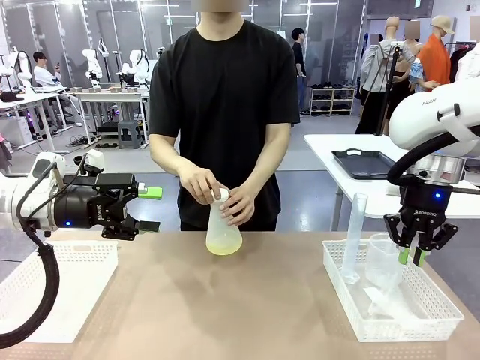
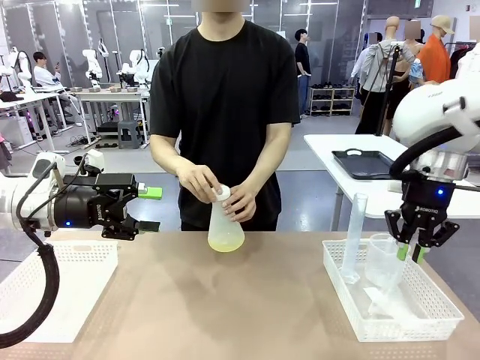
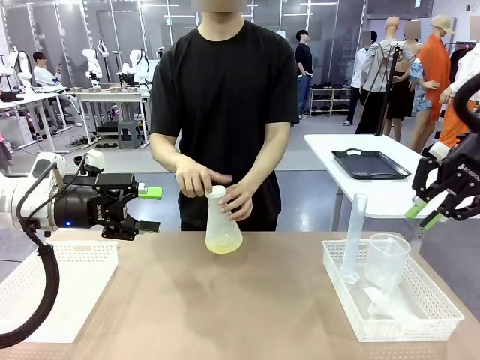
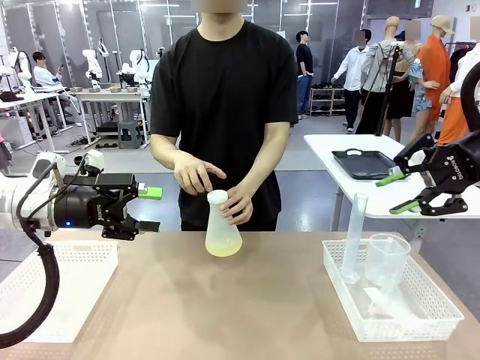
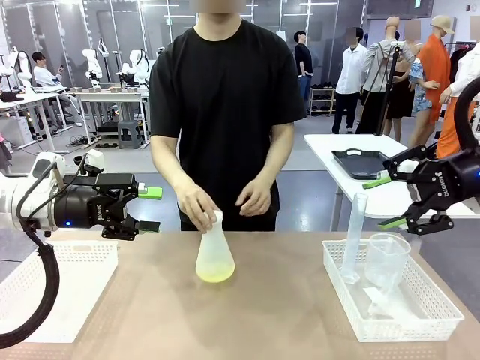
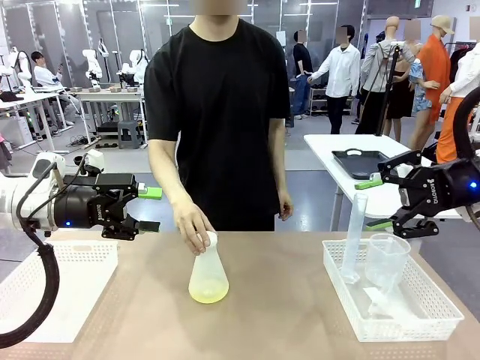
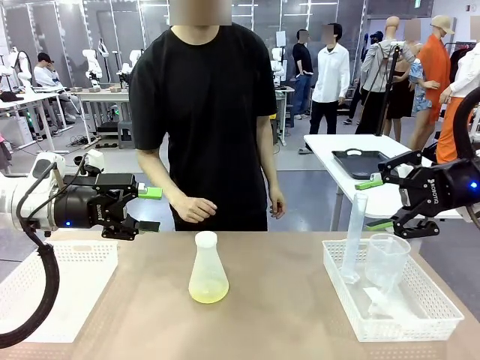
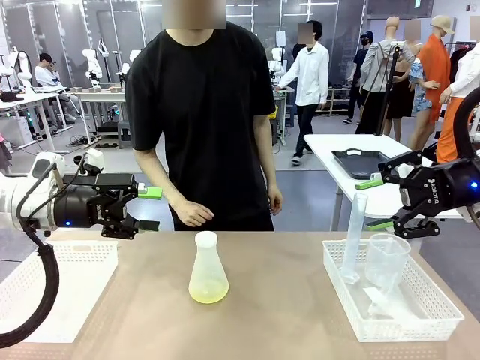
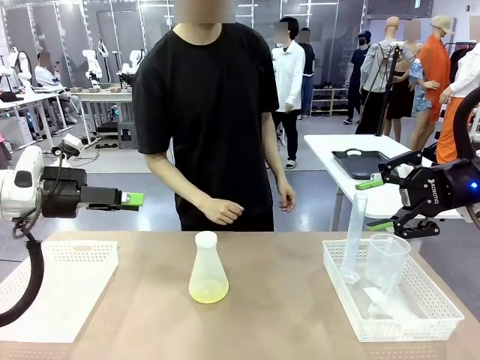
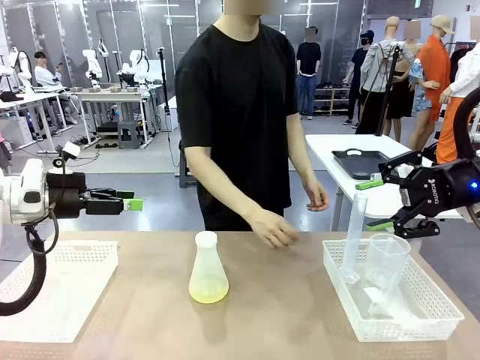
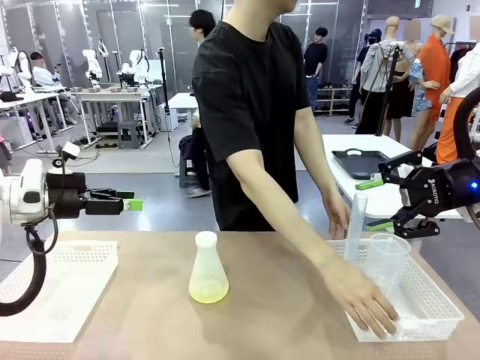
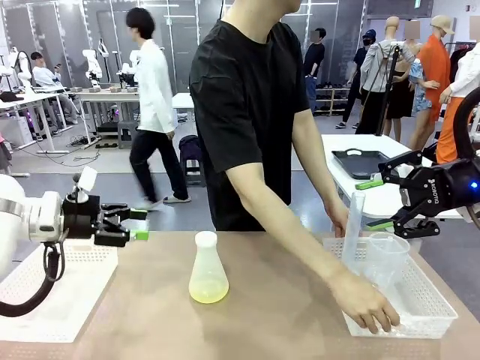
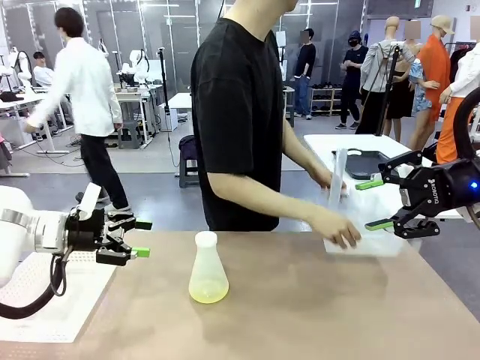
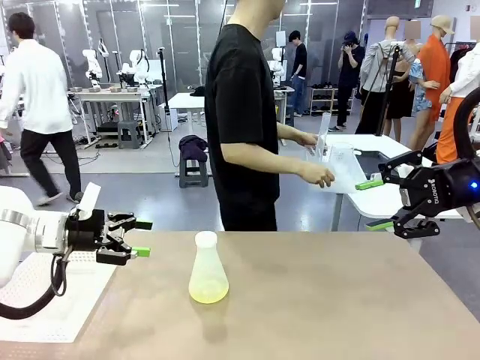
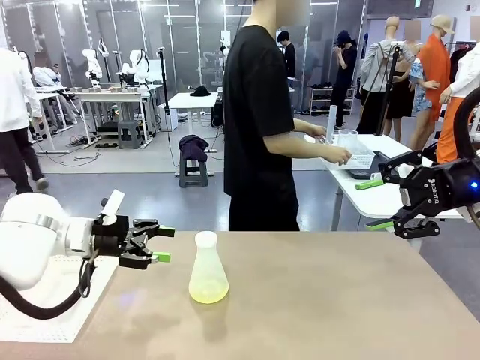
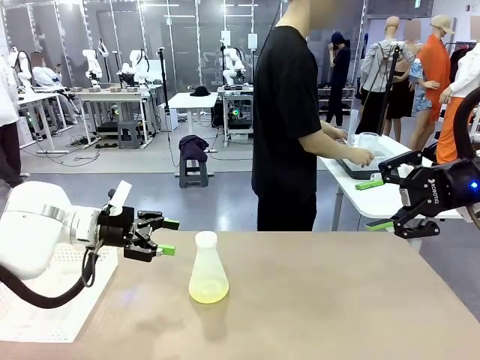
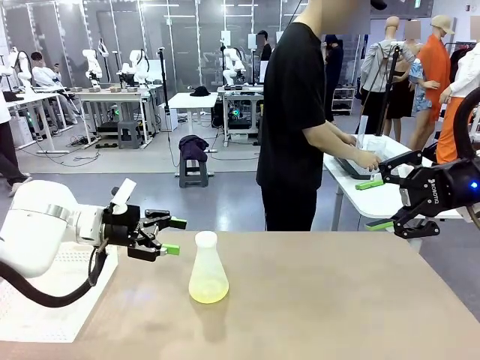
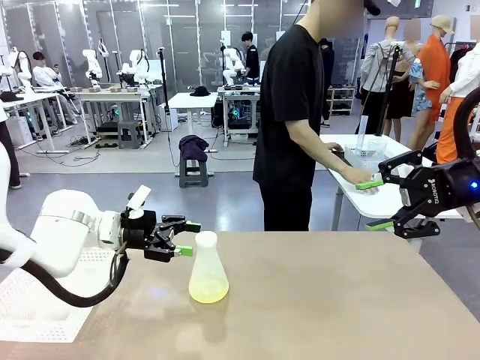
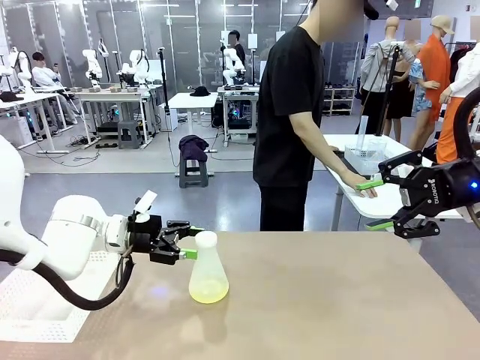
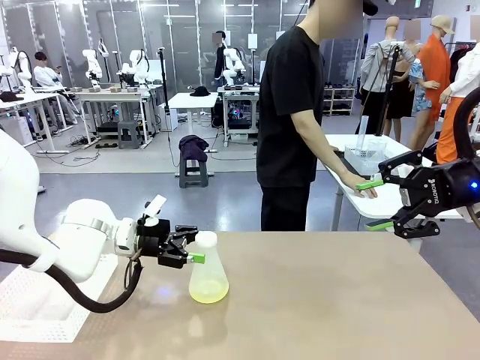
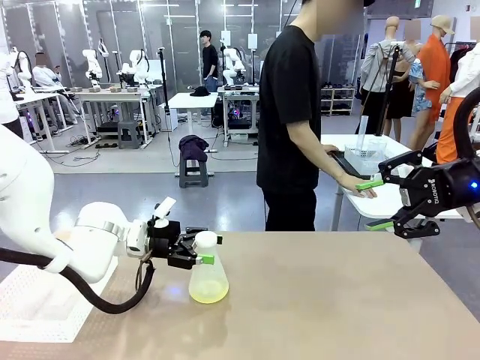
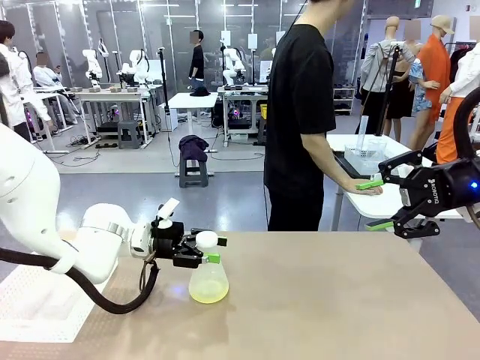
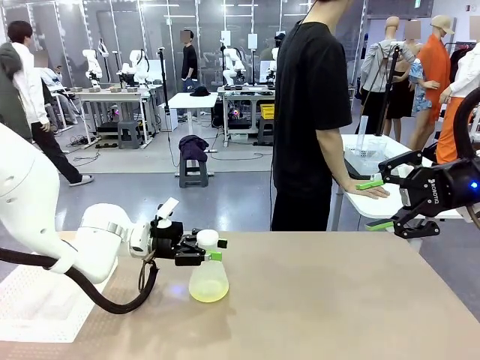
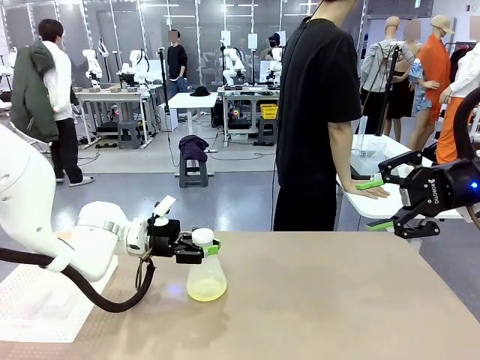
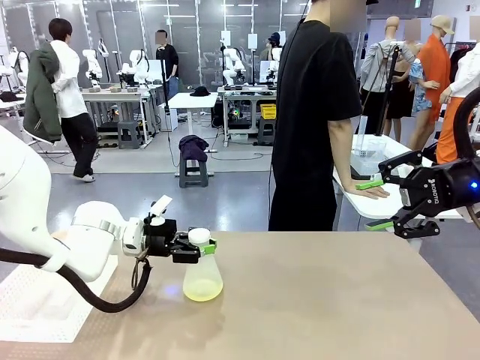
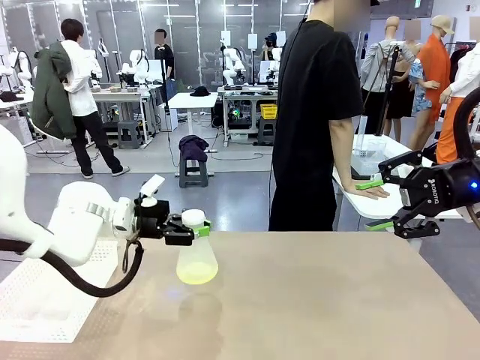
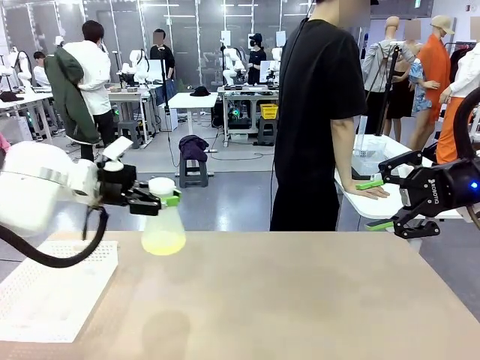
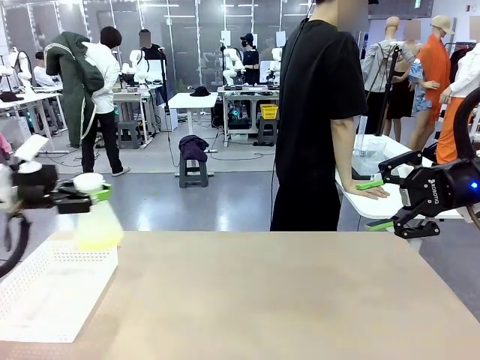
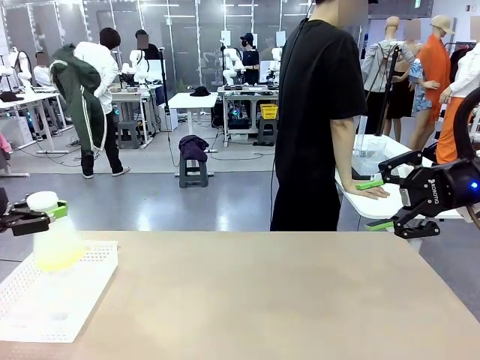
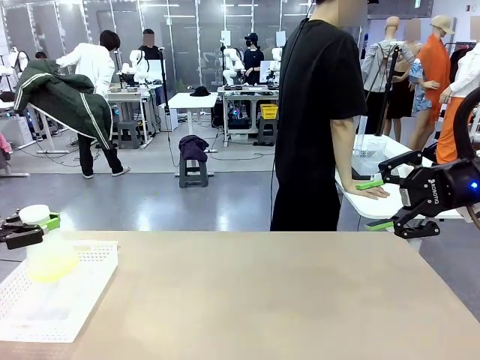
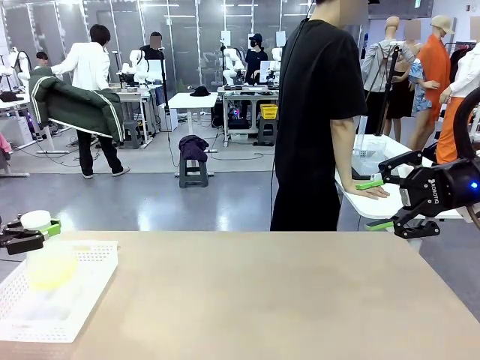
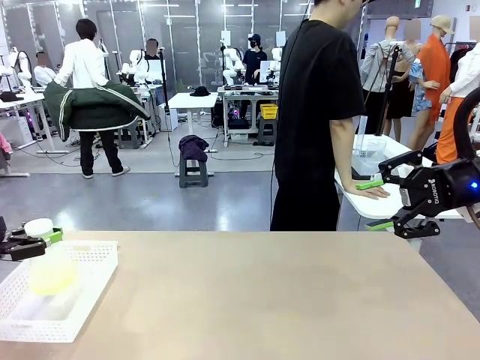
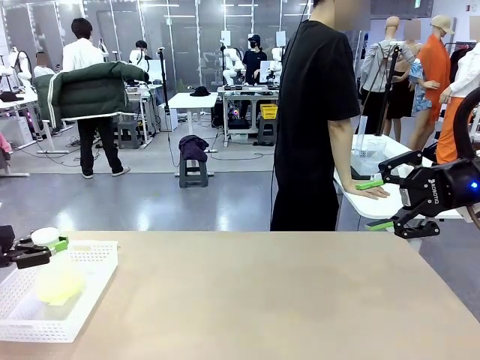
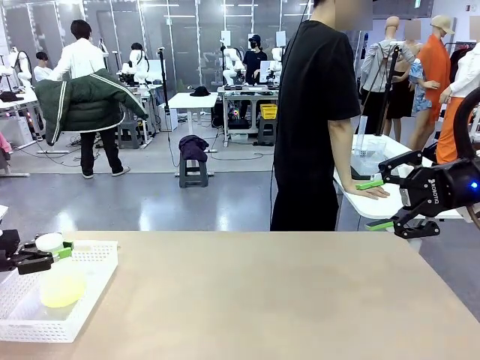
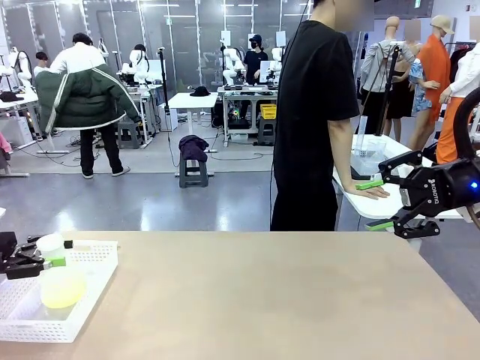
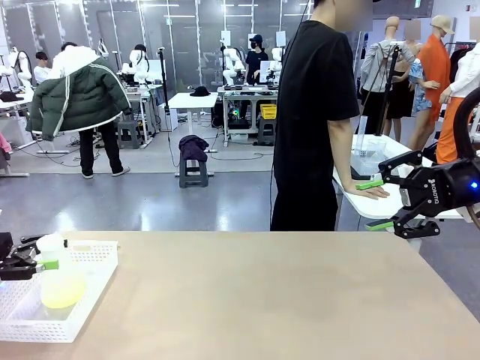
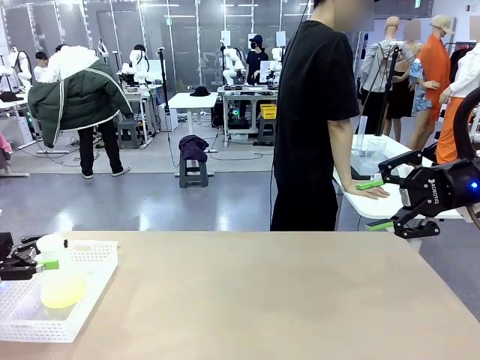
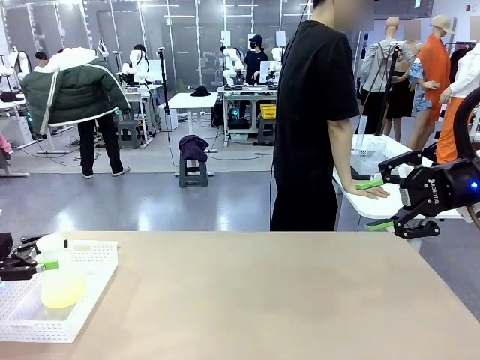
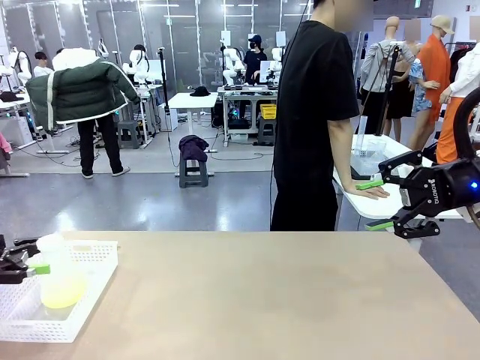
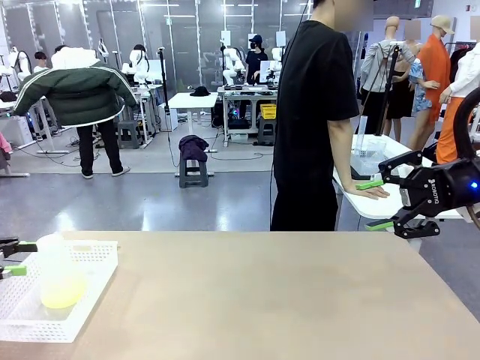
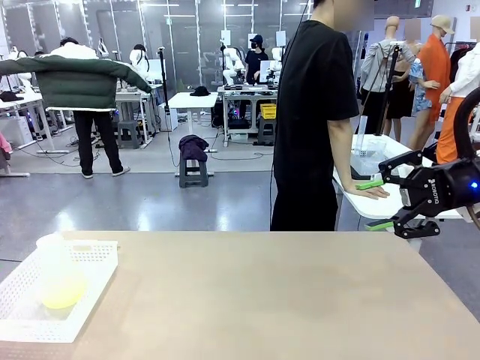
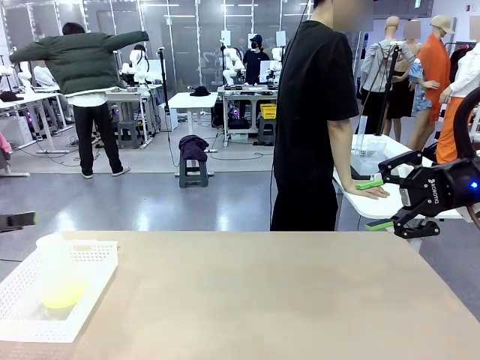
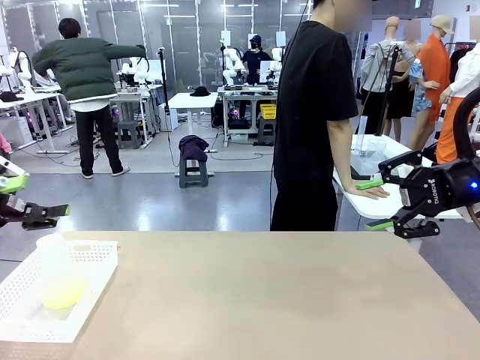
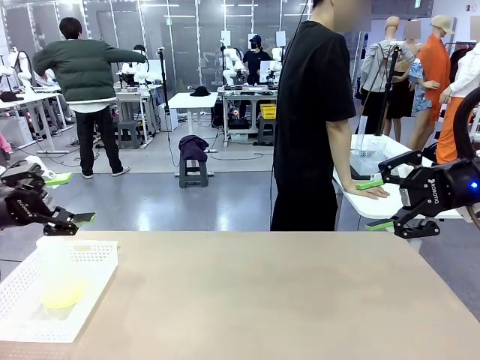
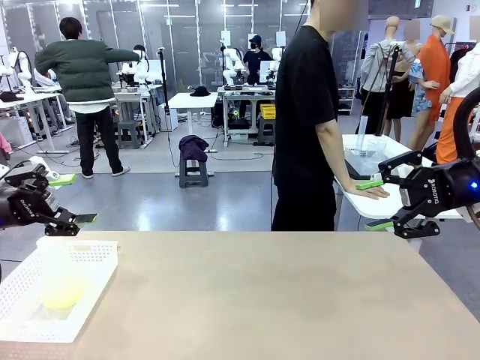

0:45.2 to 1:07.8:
Task: Prepare the solutions needed for the experiment.
Robot: When the human places the Big flask in the center of the table, pick up the Big flask and place it in the left Organizing basket.
Person: Pick up the organizing basket on the left side of the robot table and place it on the left side of the human table.
